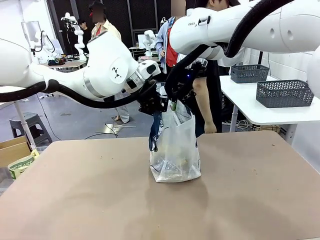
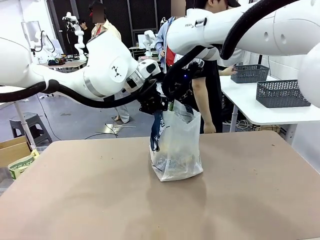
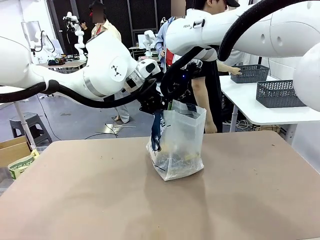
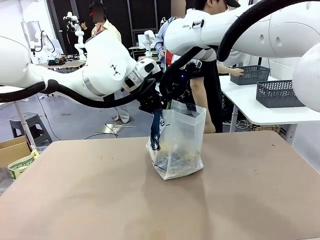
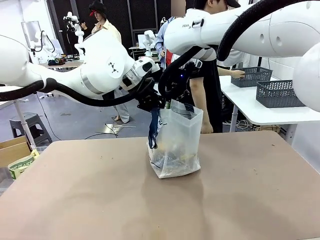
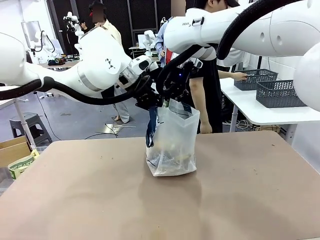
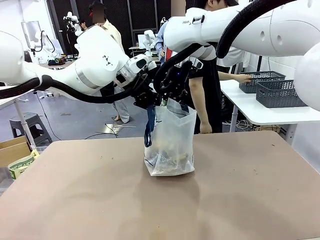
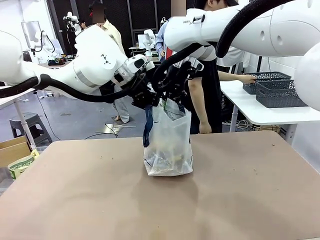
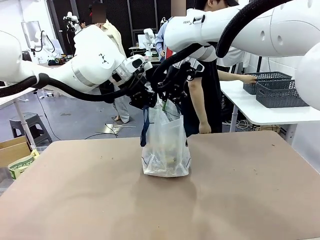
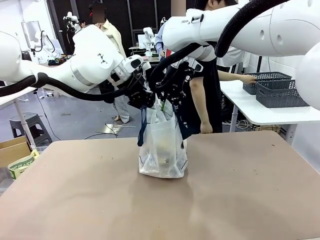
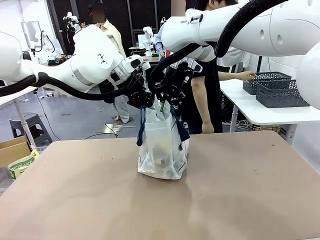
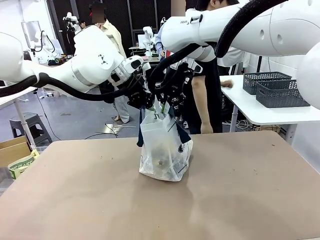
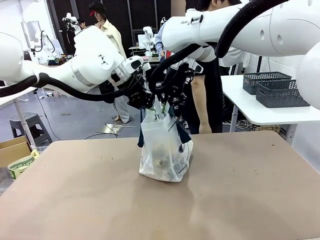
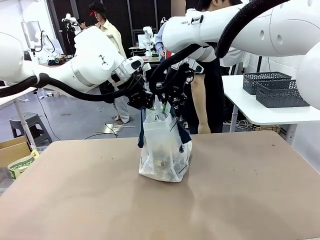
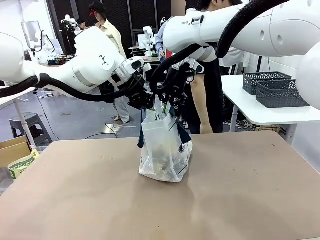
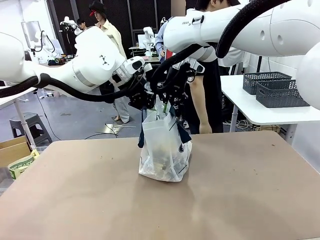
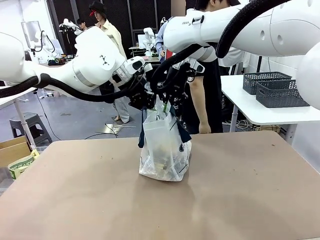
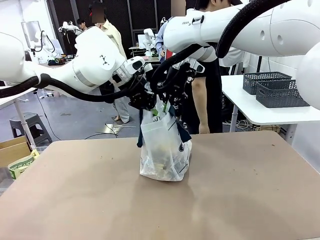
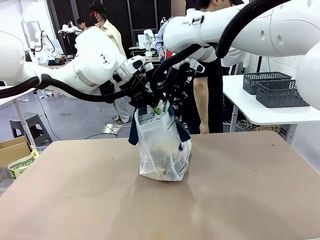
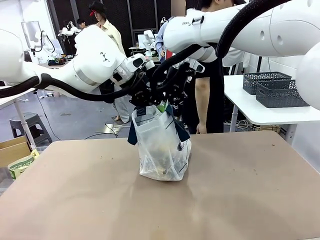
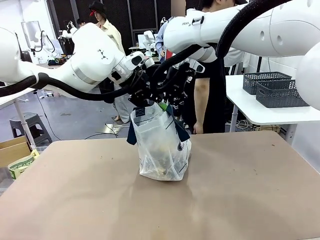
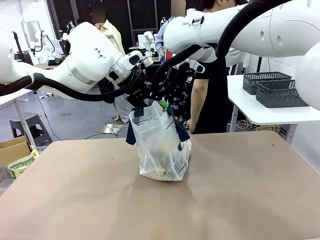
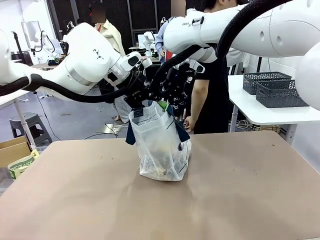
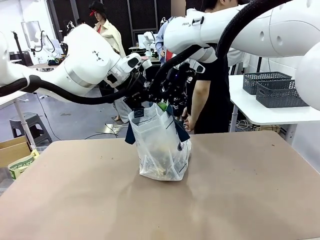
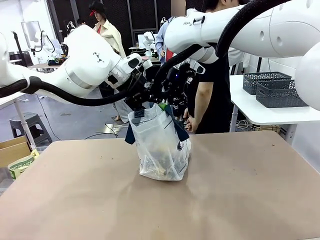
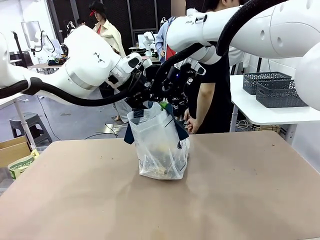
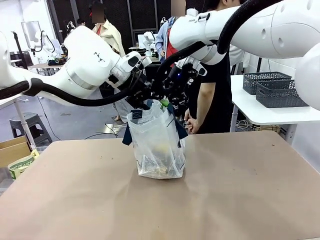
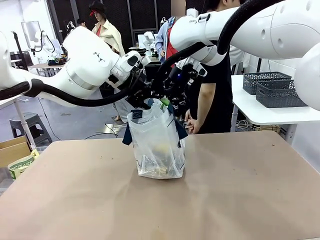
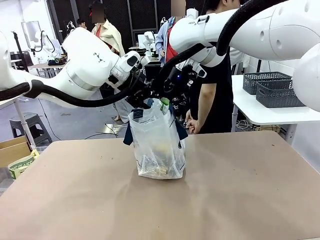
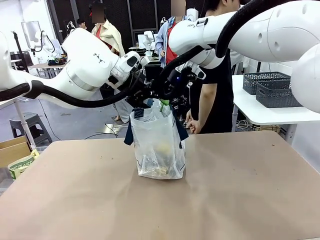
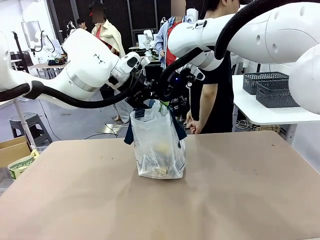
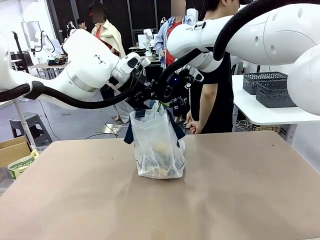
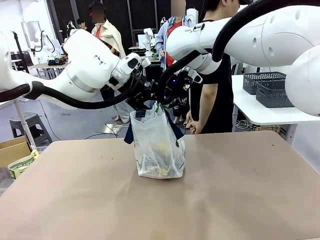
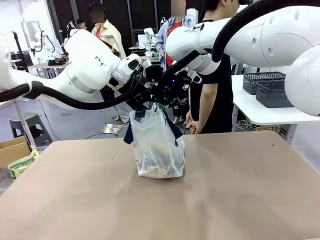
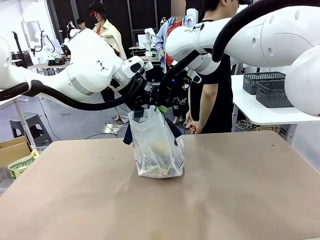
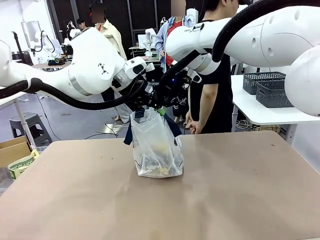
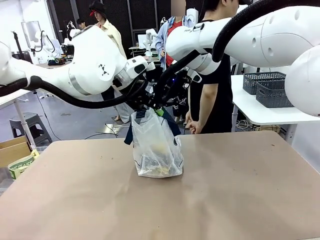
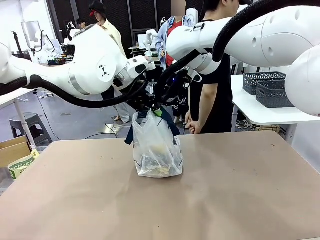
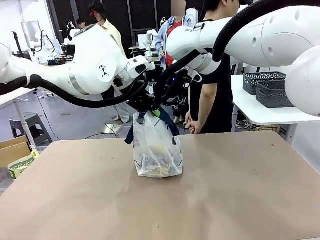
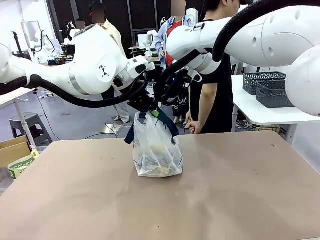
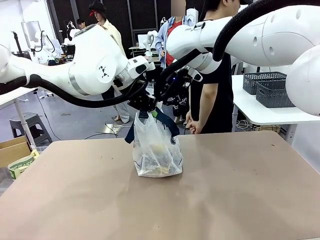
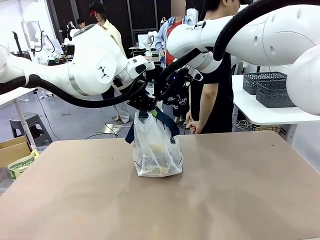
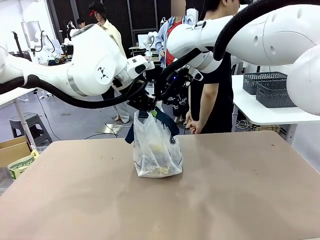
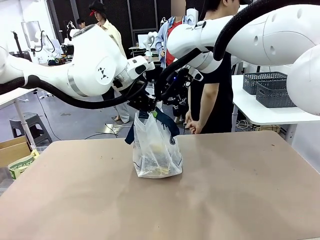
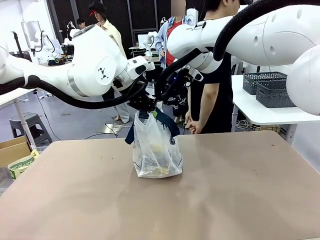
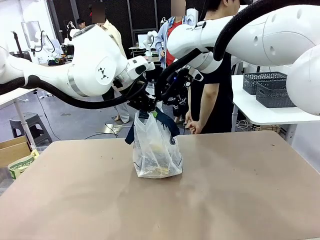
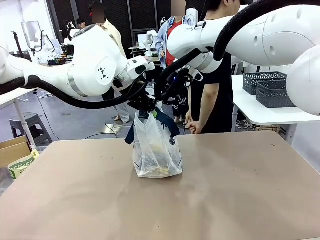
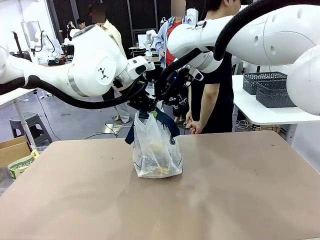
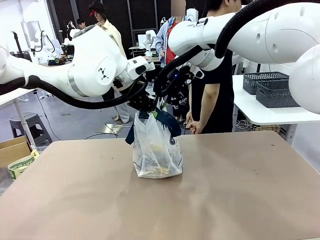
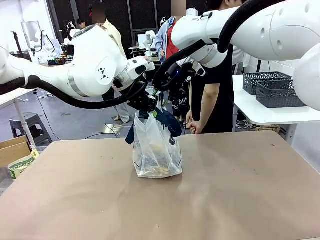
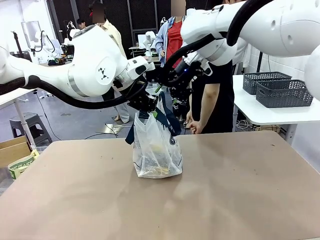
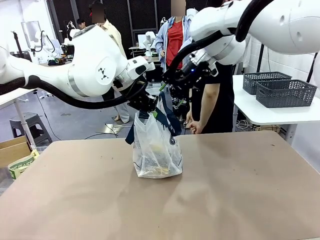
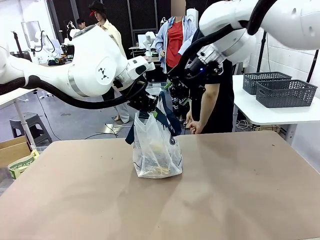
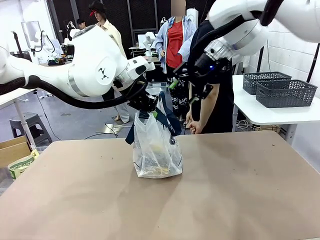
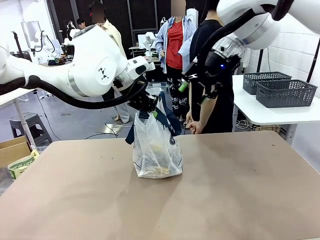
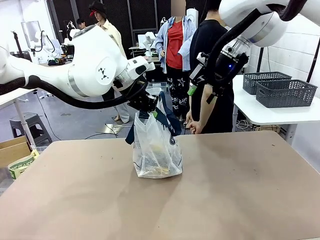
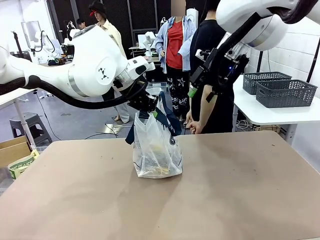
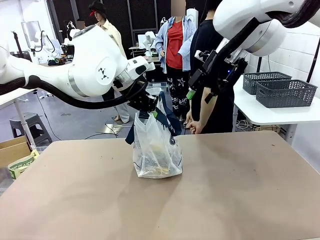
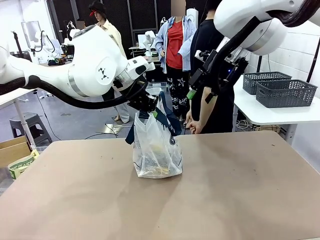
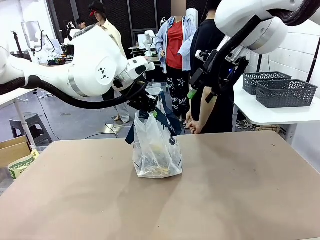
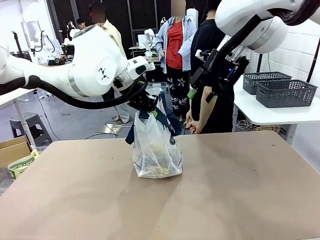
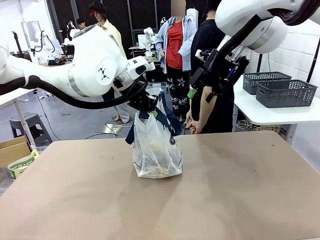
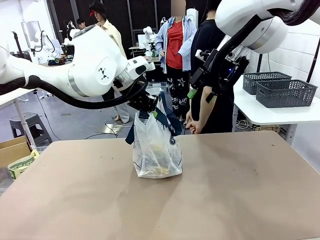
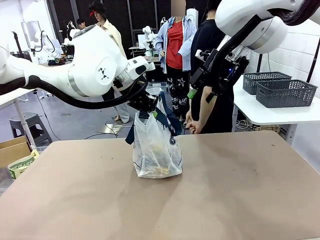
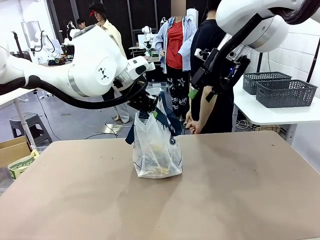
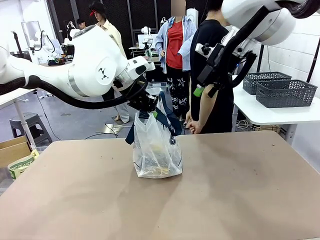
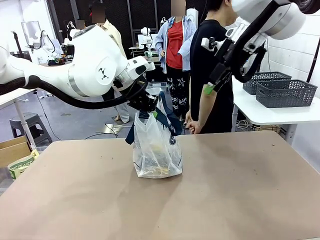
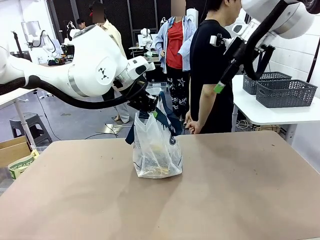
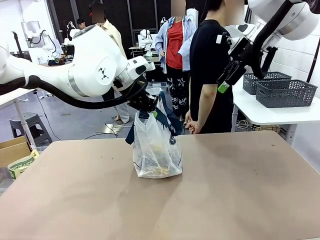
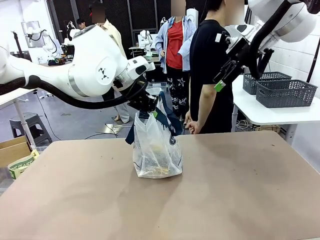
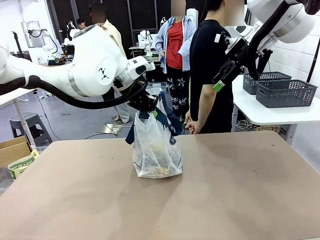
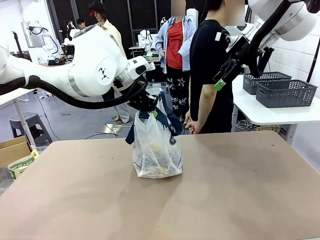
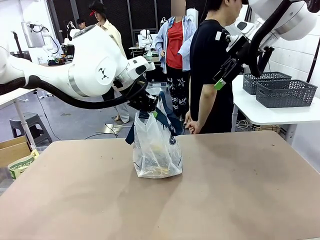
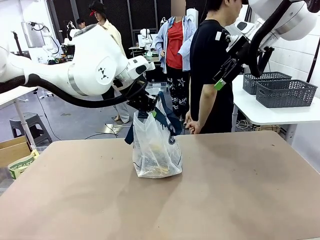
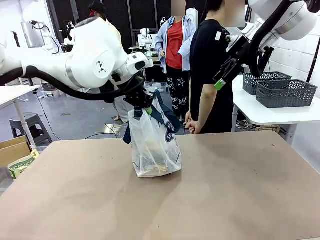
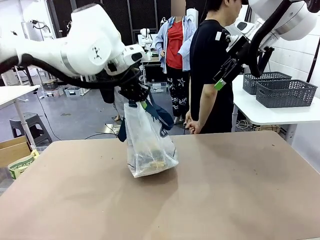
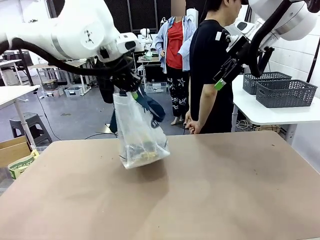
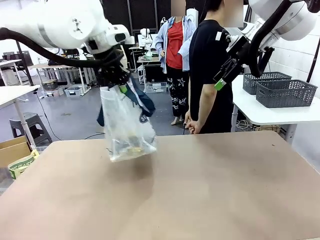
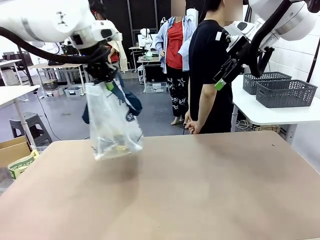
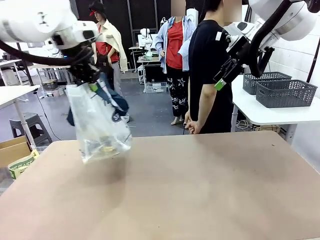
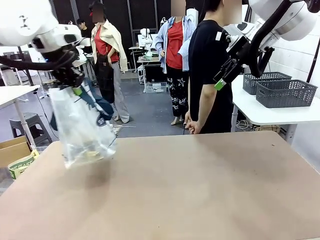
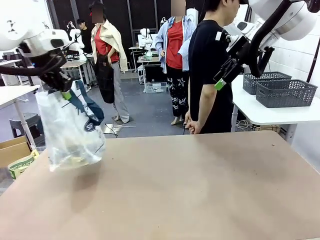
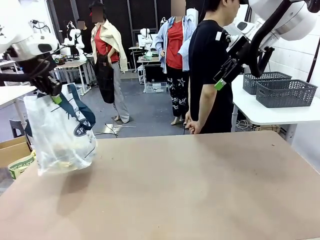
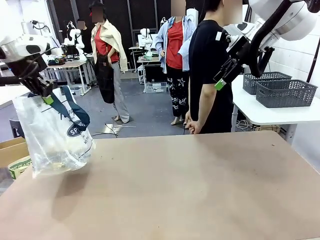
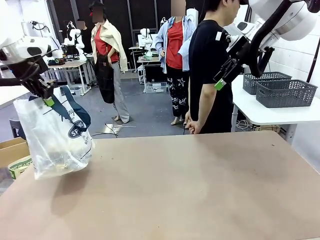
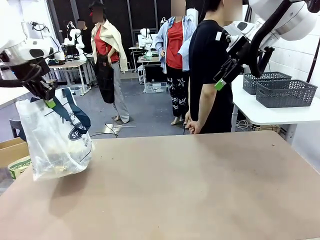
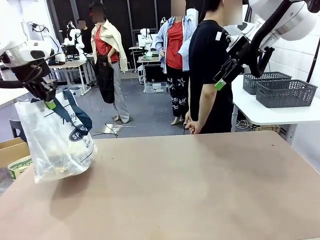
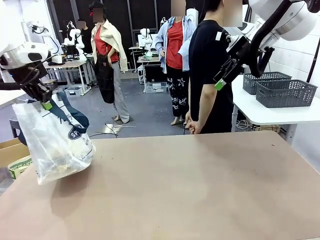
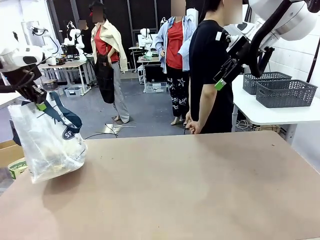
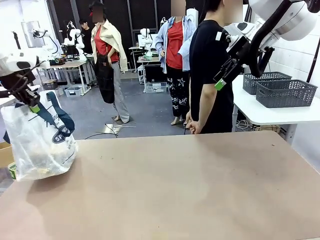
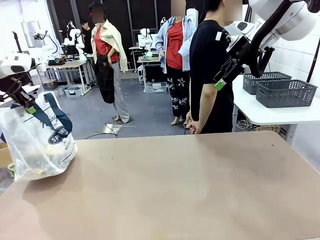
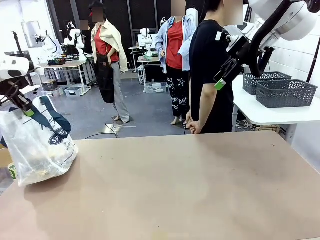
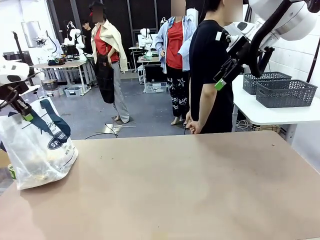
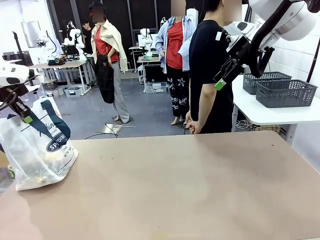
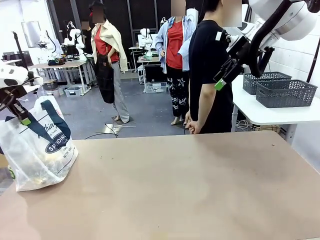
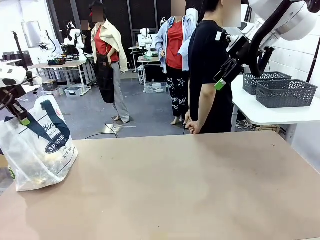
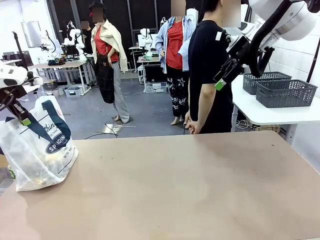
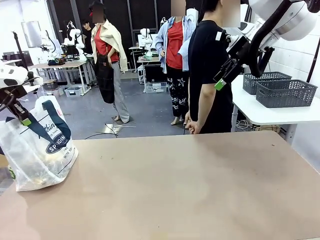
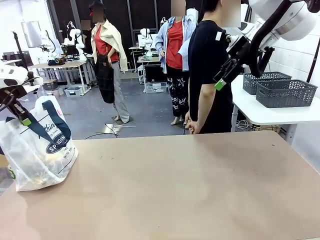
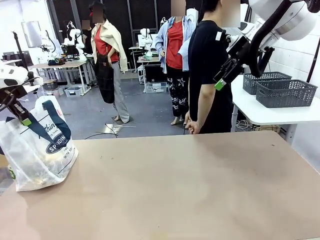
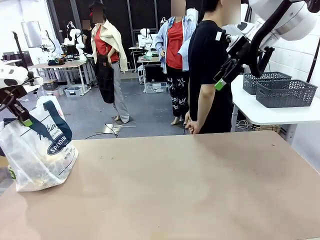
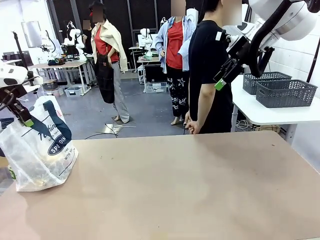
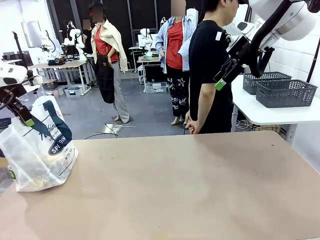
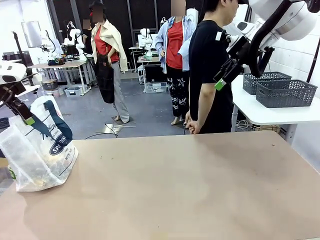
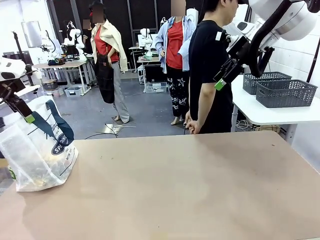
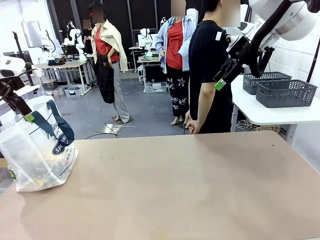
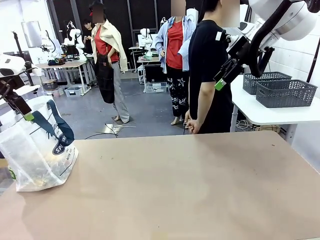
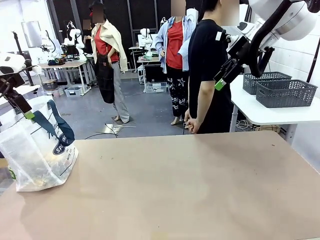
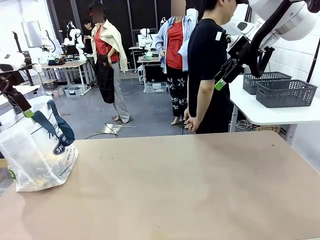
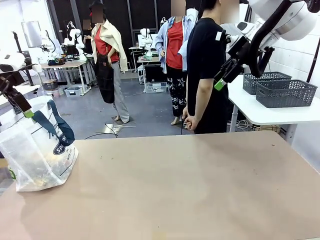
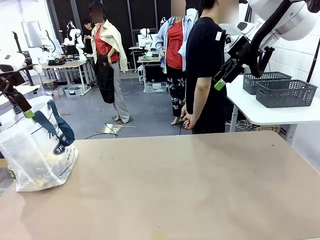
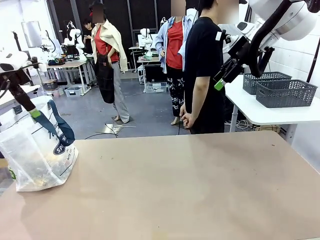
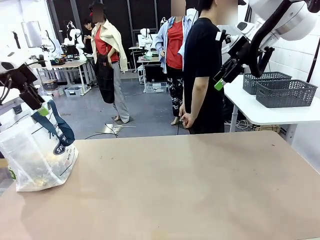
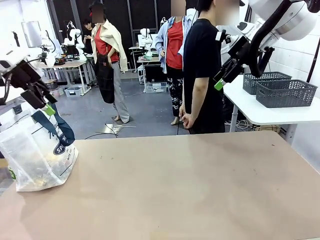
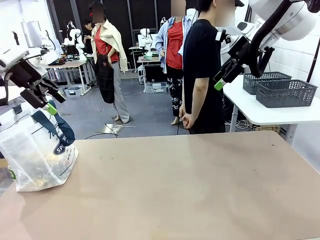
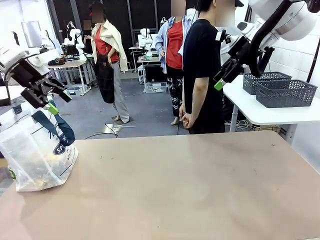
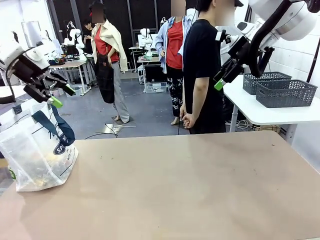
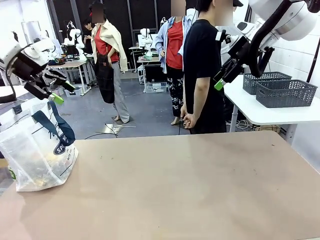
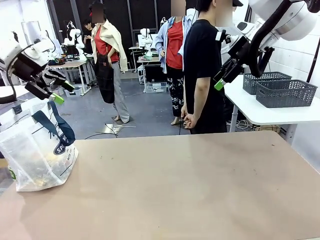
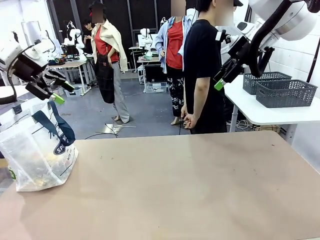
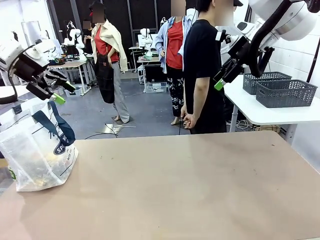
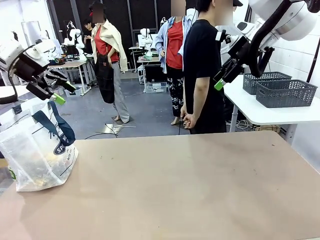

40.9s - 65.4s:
Task: Transfer purchased items from the store into the shopping bag.
Robot: Move the Reusable shopping bag to the right side of the table.
Person: Move the basket on the left to the middle of the person's table.
